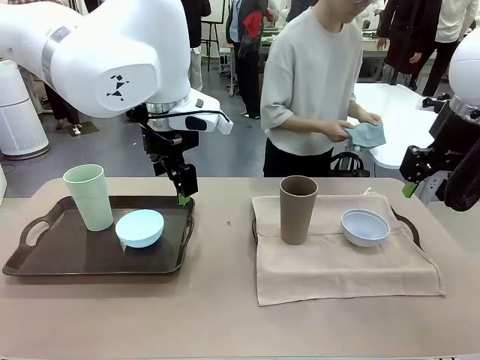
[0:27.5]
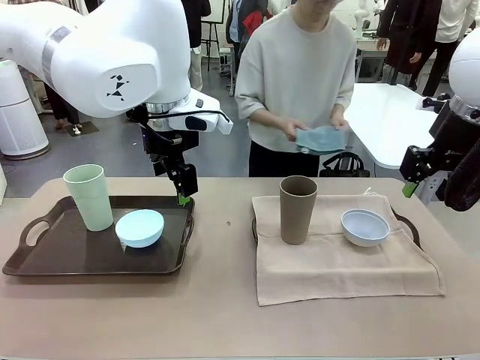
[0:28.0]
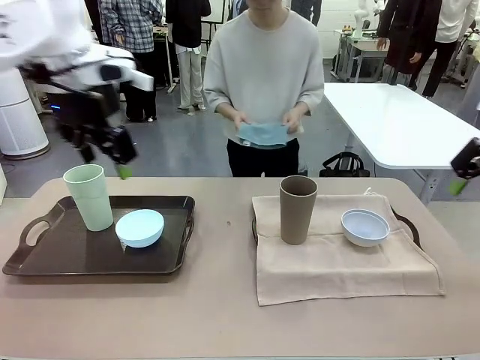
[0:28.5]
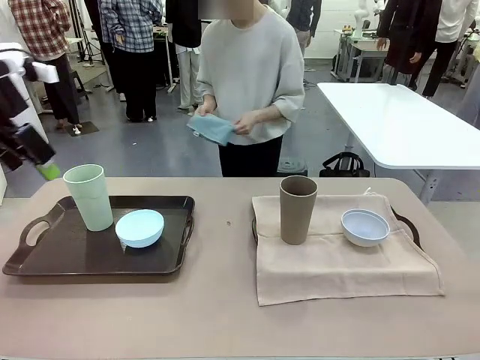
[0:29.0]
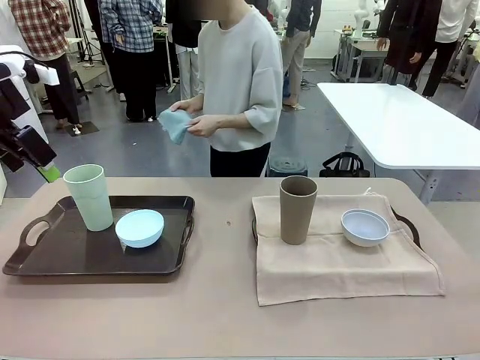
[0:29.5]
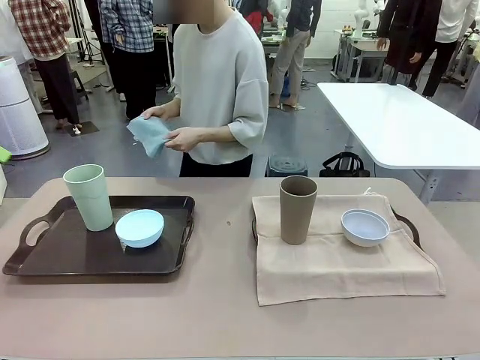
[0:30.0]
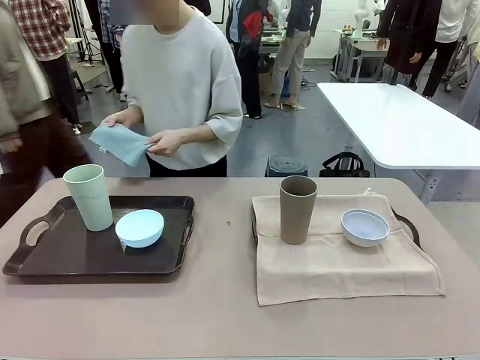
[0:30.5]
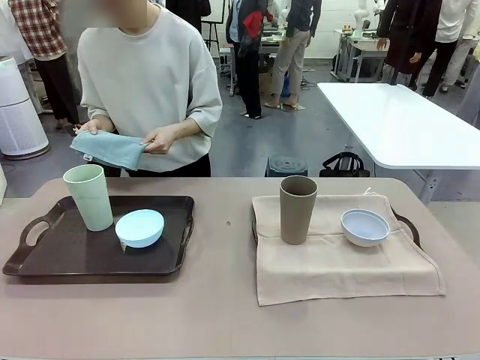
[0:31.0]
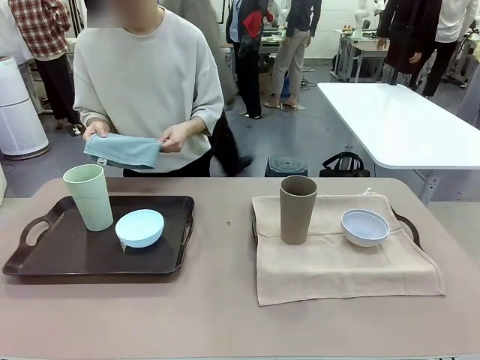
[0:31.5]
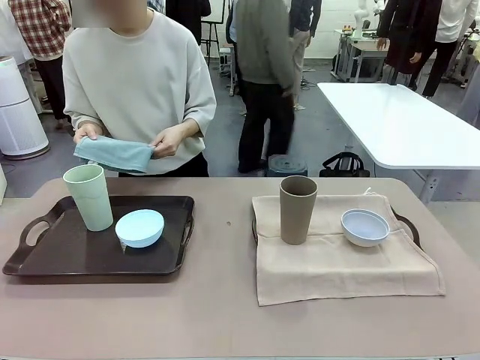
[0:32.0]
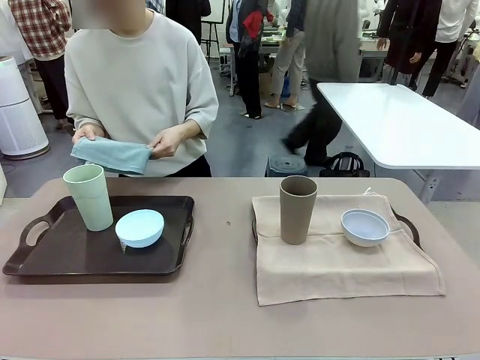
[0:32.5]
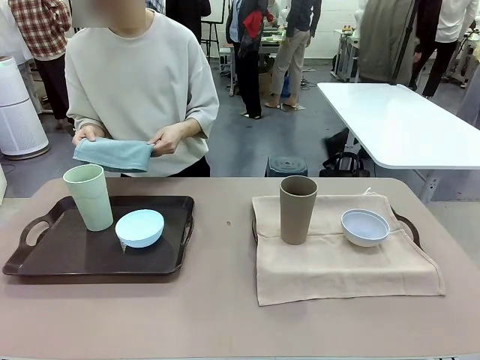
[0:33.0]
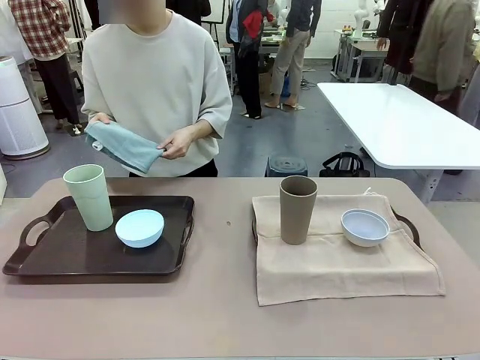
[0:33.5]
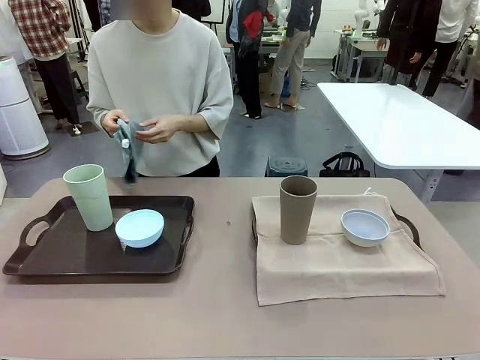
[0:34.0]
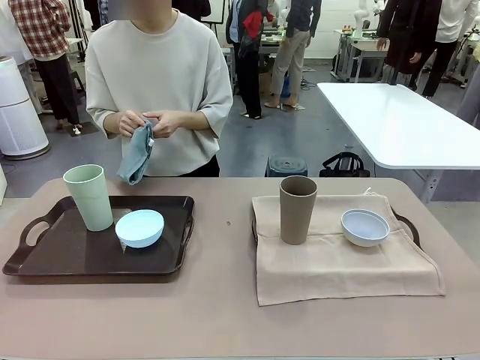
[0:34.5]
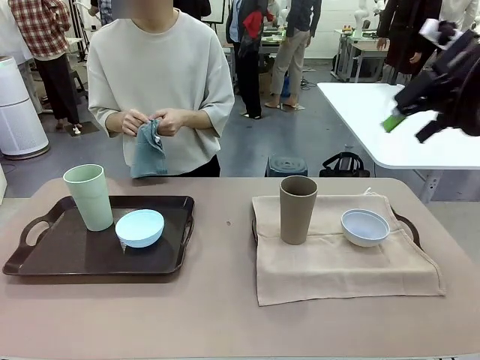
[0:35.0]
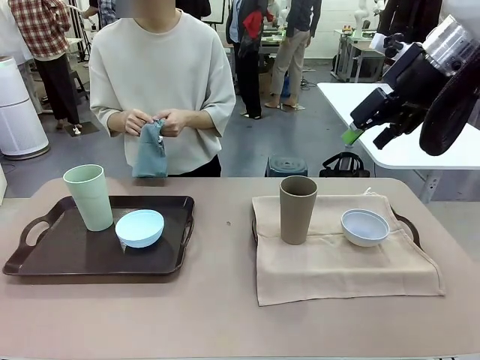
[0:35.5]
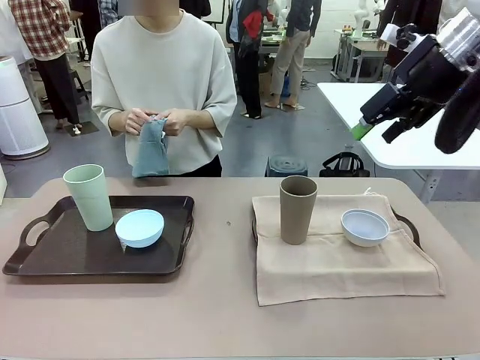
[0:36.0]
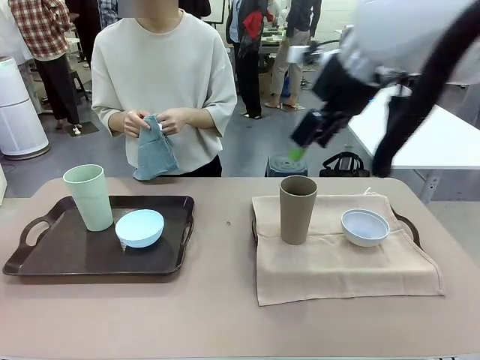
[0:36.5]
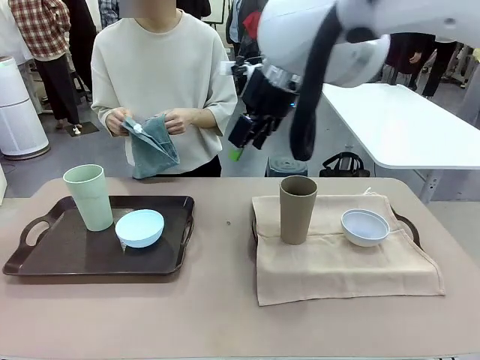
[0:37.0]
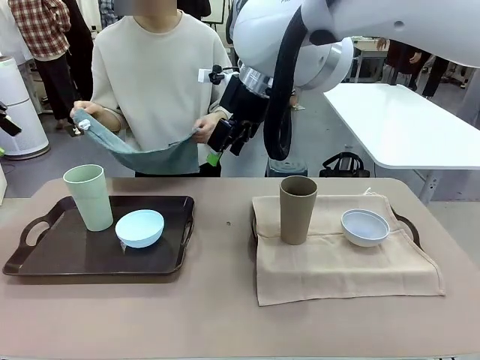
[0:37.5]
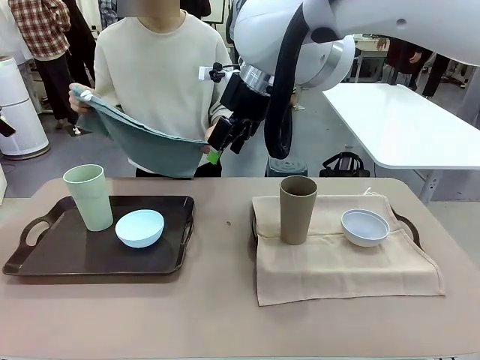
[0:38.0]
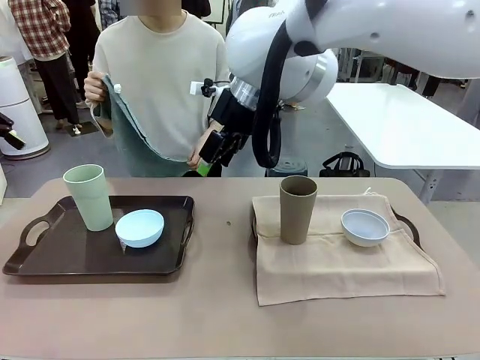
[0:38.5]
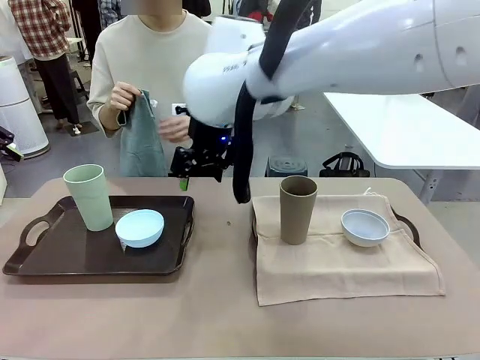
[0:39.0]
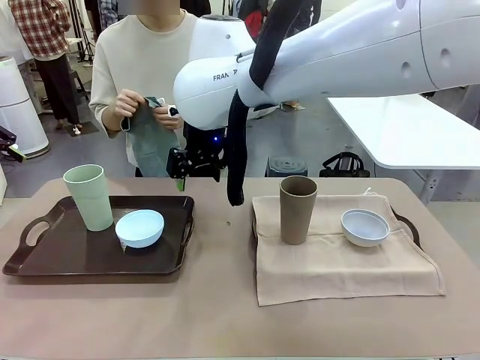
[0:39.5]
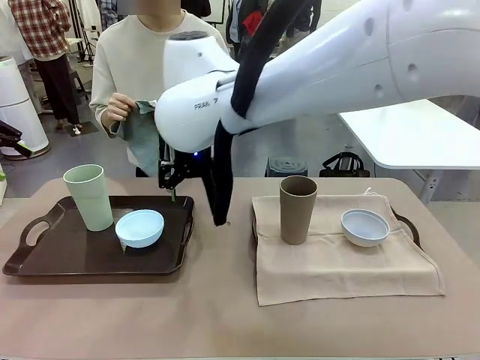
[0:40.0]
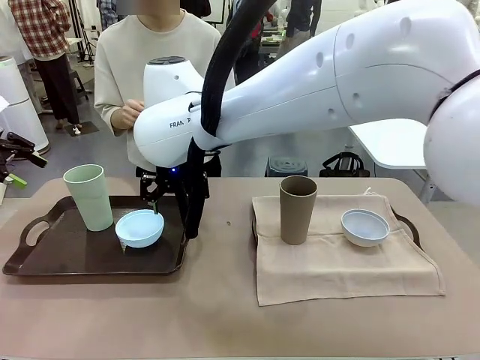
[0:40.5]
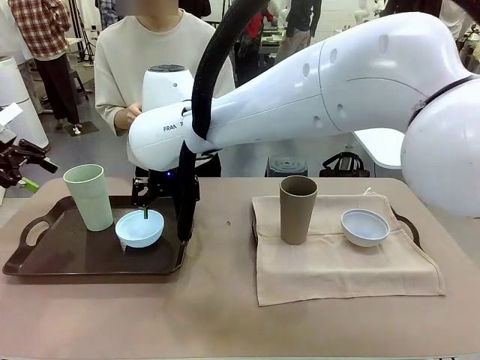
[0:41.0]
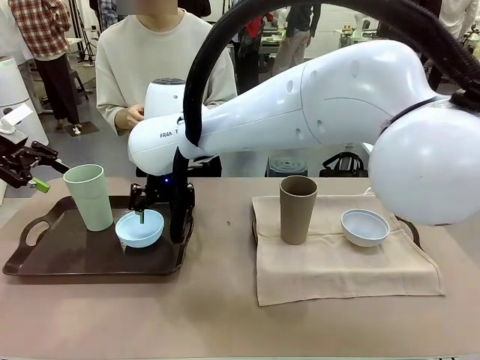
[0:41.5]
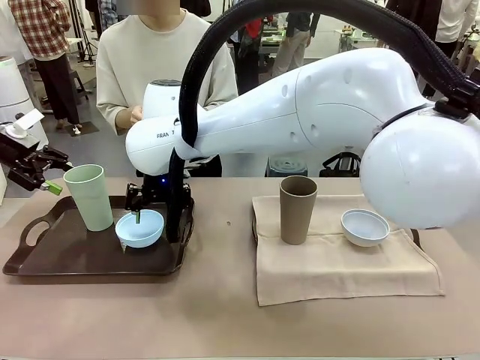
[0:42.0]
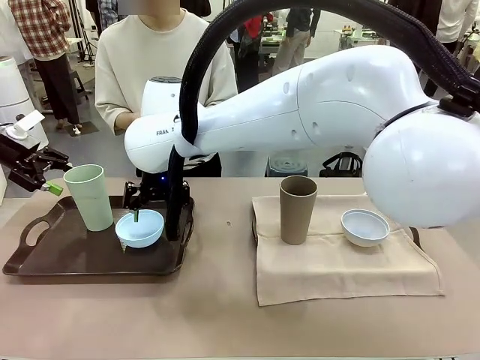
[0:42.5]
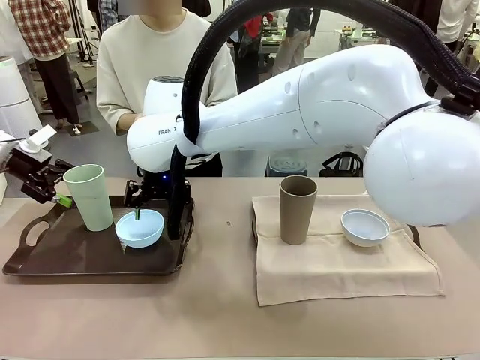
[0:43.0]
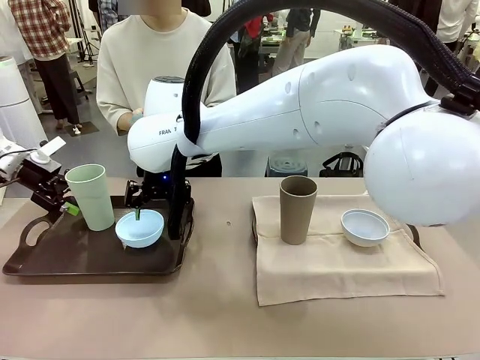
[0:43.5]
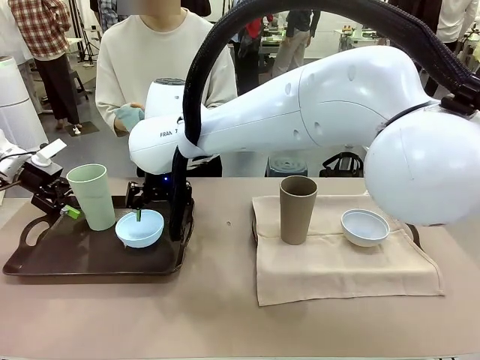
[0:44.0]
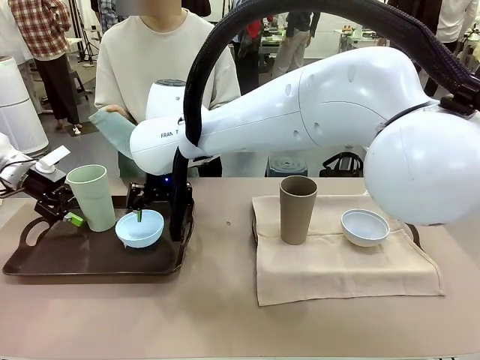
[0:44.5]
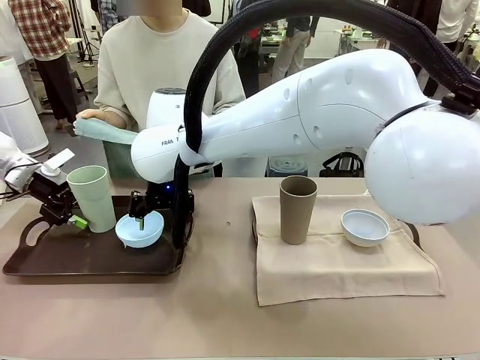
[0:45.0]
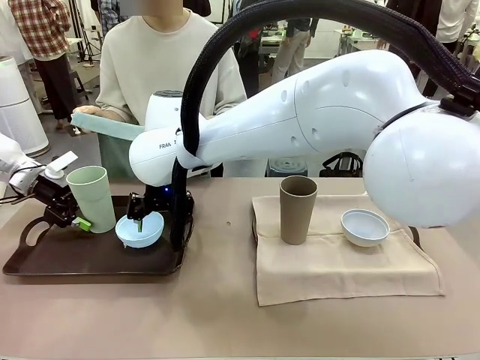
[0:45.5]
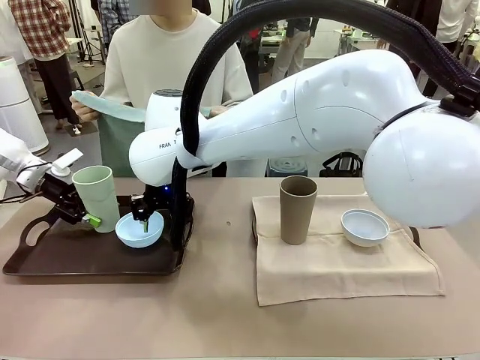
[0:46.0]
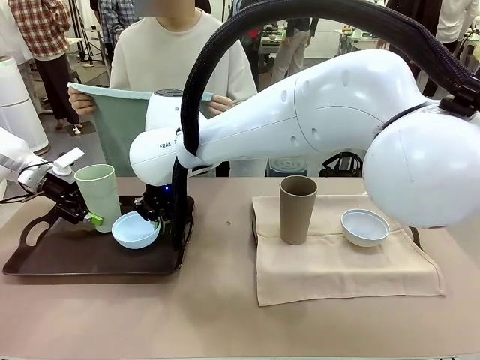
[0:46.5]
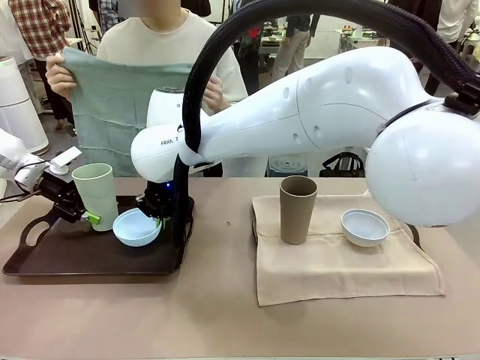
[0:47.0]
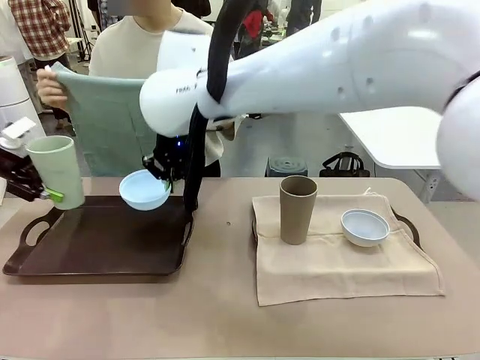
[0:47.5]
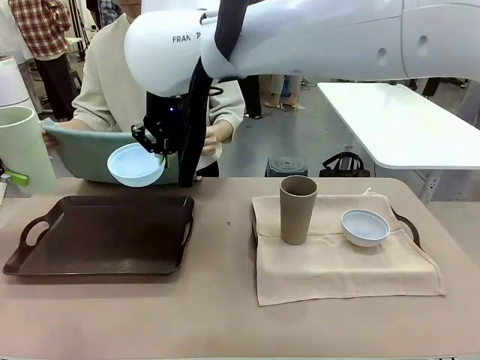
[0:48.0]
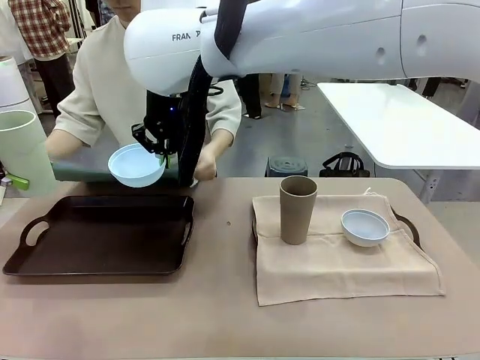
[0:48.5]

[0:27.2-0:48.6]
Robot: Pick up the Picnic Bowl and Reusable plastic cup from the Handle tray in front of the human's position and hold them in the air.
Person: When the robot lifts the bowl and the cup, the human unfolds the napkin and lays the napkin flat on the tray.

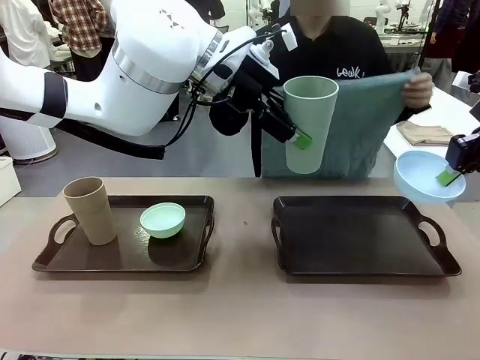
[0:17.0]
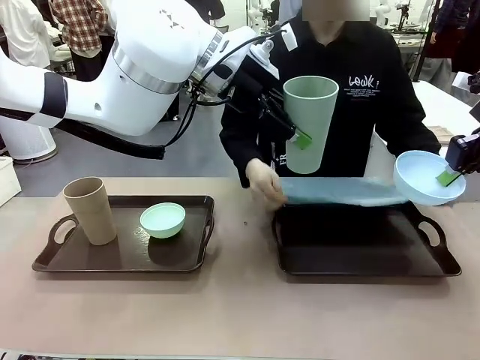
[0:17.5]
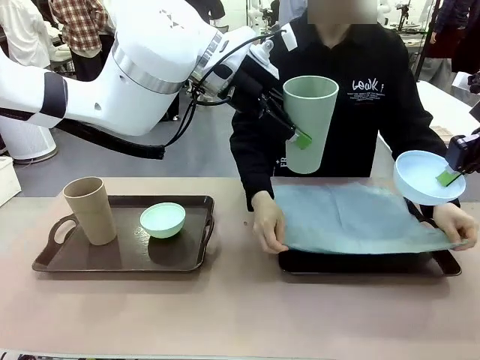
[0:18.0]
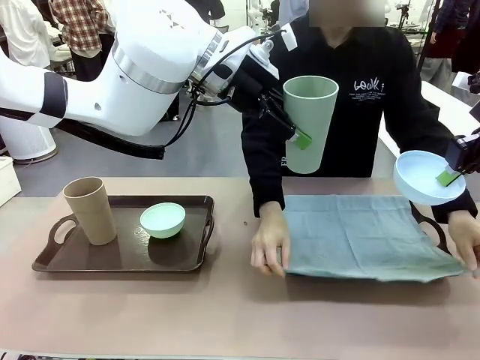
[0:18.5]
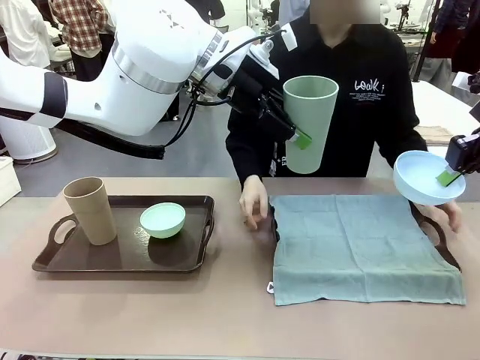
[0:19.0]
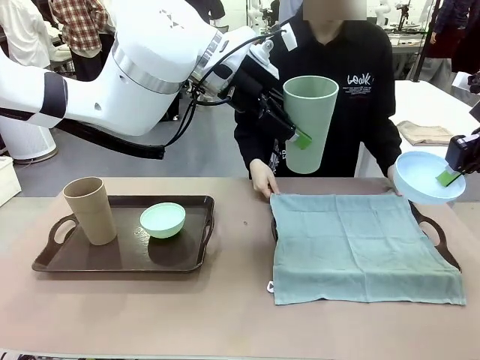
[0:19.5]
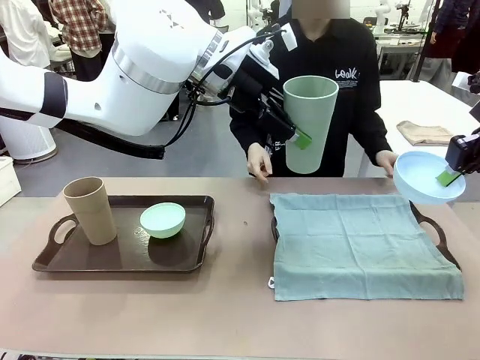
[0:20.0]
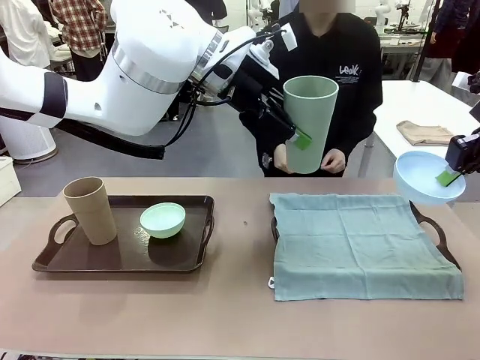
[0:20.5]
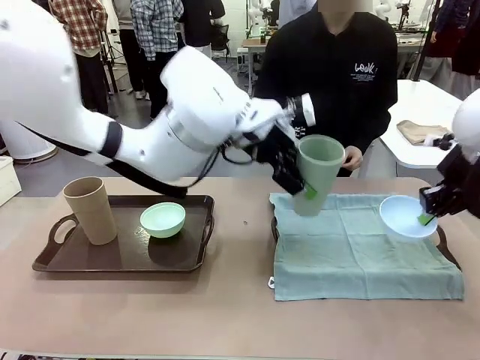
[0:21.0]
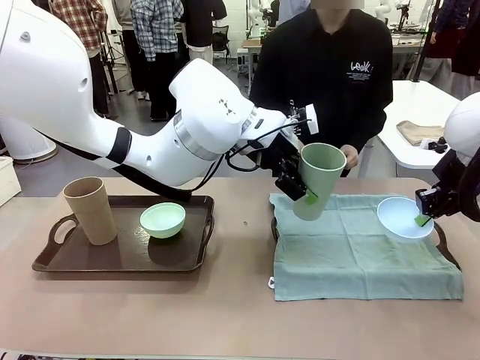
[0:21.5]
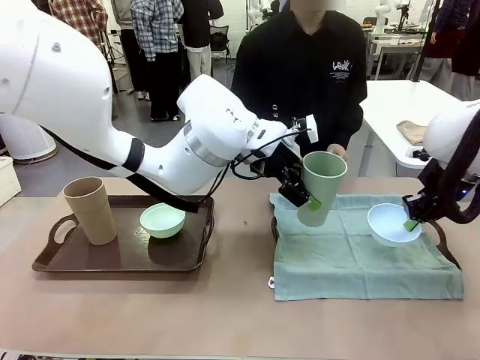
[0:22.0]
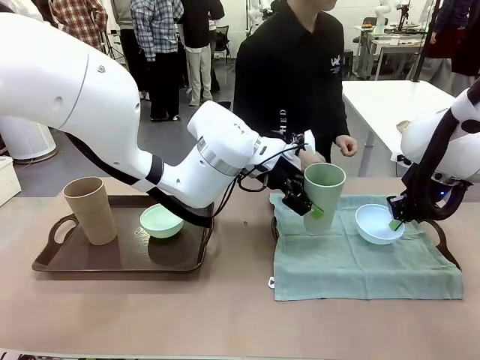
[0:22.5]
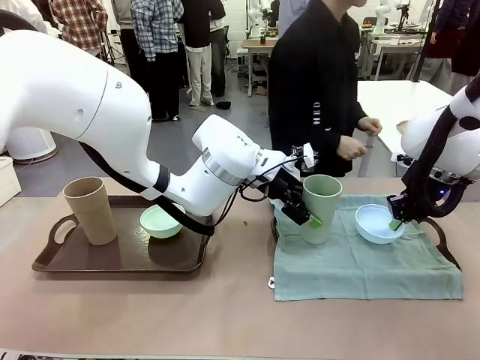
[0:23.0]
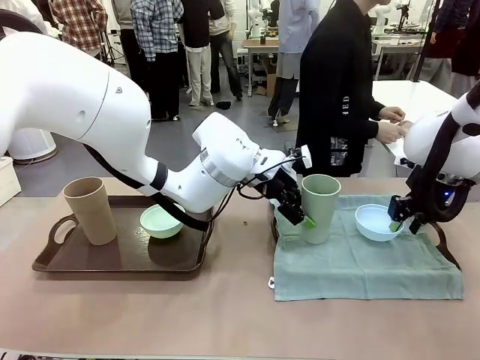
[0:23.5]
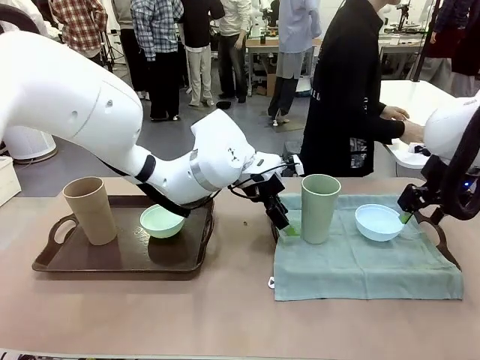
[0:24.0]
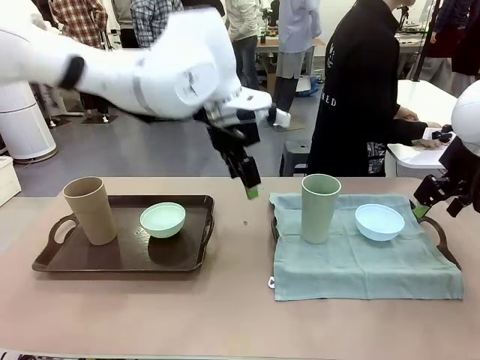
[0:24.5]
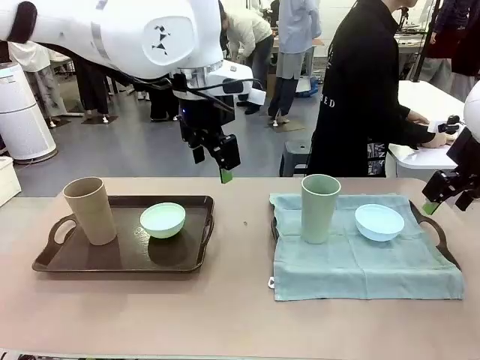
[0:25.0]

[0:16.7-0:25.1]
Robot: Place the Picnic Bowl and Reusable plastic cup back onto the Handle tray in front of the human's position.
